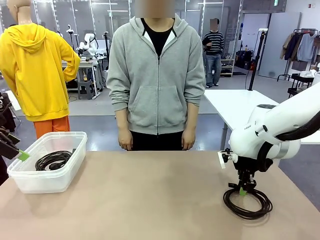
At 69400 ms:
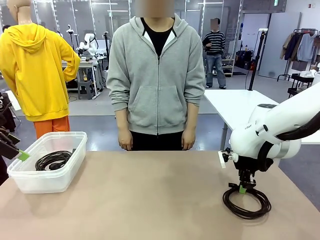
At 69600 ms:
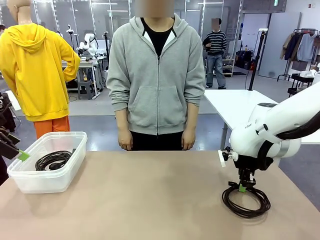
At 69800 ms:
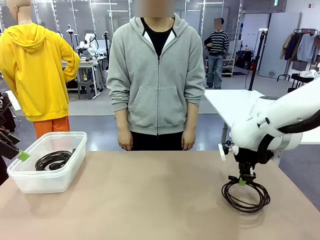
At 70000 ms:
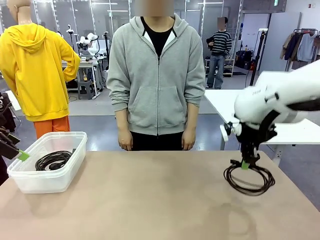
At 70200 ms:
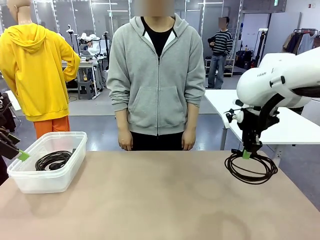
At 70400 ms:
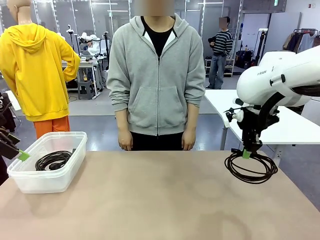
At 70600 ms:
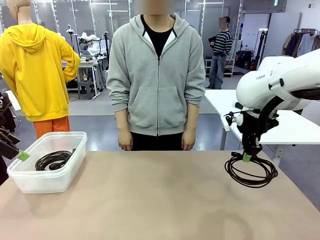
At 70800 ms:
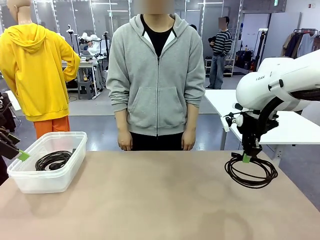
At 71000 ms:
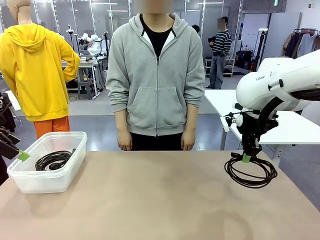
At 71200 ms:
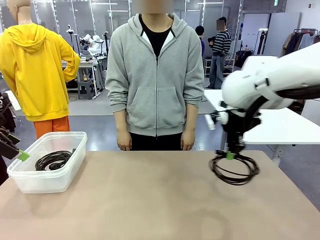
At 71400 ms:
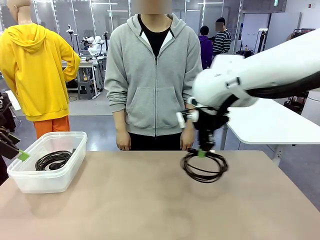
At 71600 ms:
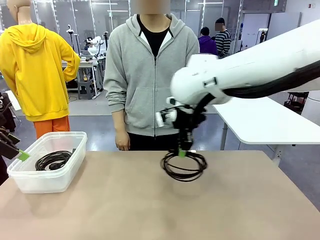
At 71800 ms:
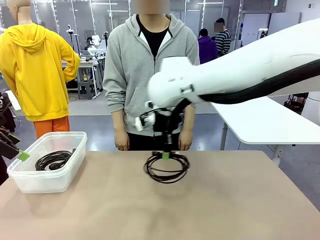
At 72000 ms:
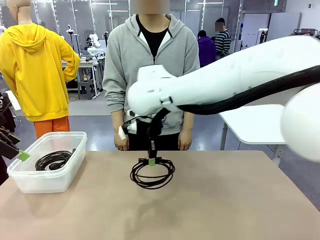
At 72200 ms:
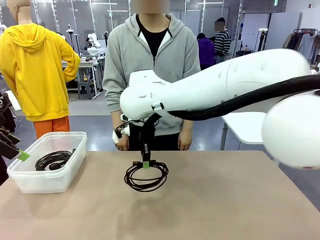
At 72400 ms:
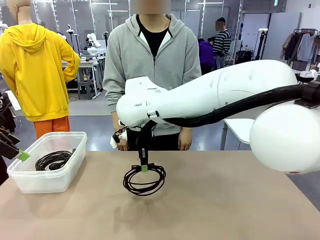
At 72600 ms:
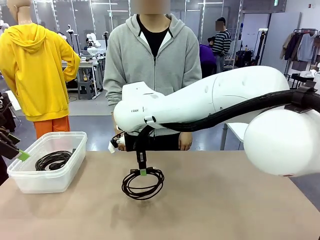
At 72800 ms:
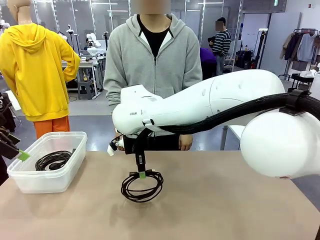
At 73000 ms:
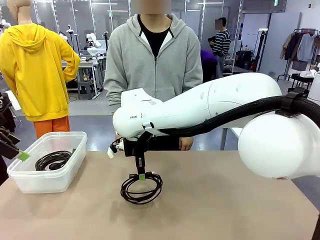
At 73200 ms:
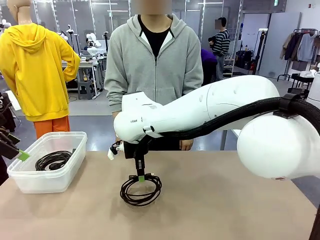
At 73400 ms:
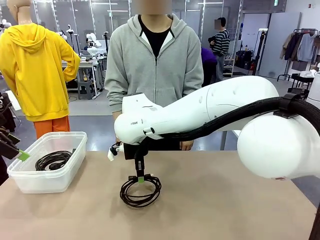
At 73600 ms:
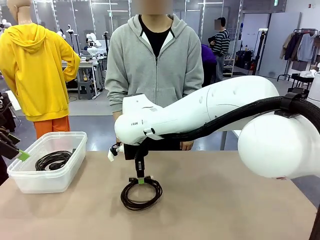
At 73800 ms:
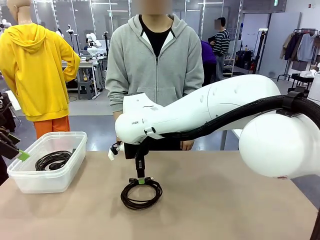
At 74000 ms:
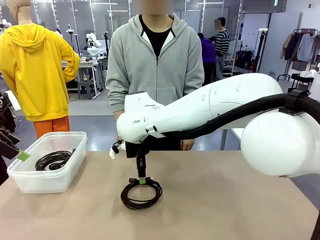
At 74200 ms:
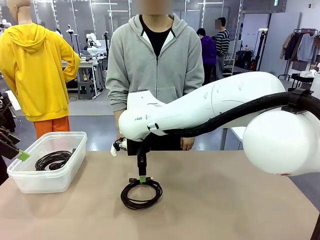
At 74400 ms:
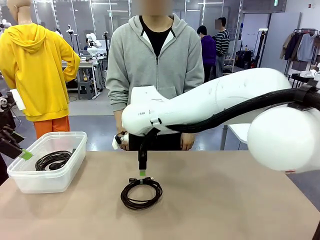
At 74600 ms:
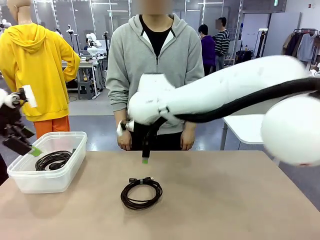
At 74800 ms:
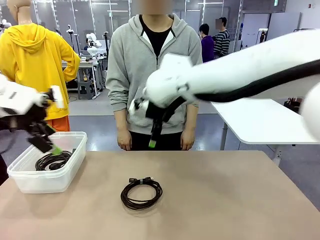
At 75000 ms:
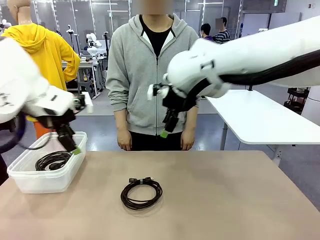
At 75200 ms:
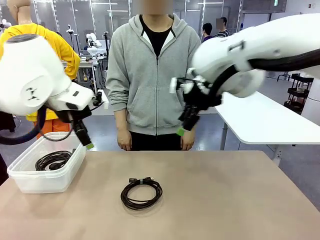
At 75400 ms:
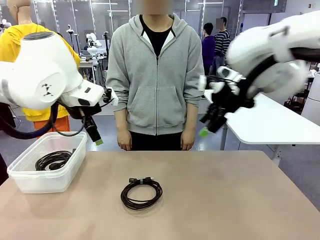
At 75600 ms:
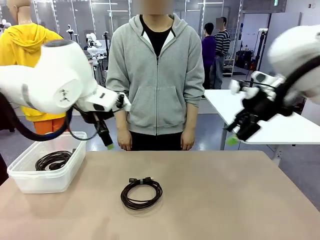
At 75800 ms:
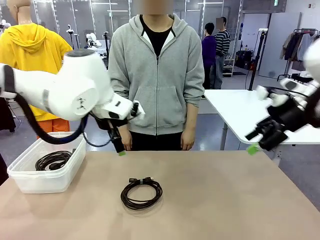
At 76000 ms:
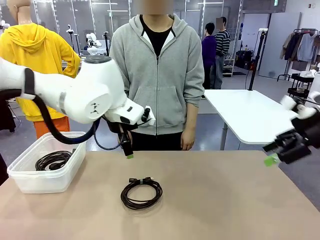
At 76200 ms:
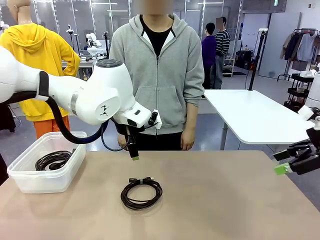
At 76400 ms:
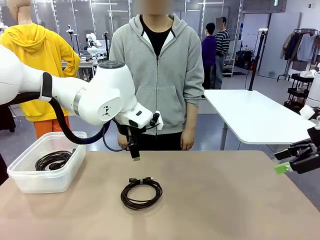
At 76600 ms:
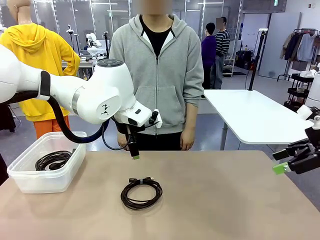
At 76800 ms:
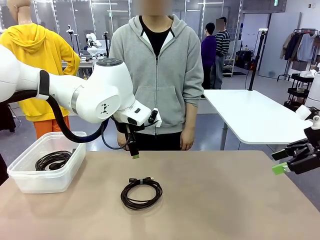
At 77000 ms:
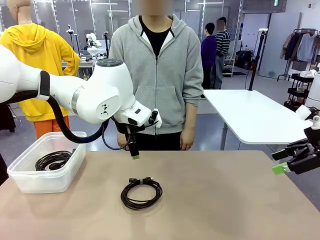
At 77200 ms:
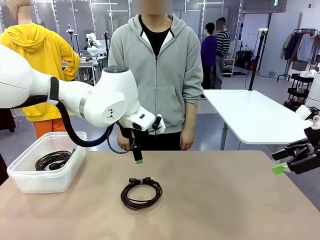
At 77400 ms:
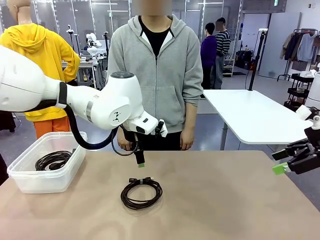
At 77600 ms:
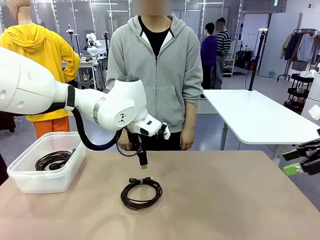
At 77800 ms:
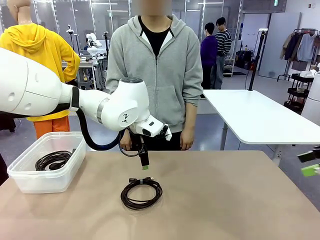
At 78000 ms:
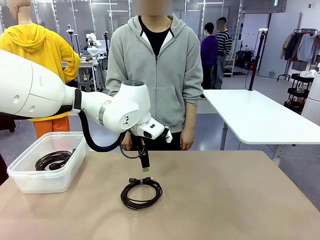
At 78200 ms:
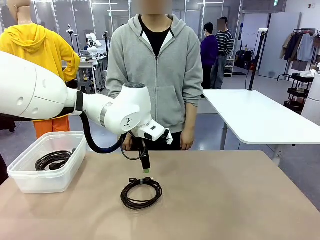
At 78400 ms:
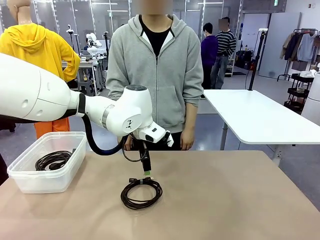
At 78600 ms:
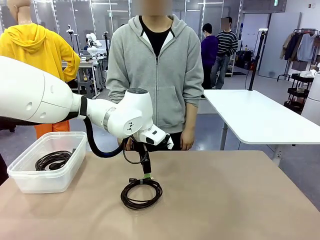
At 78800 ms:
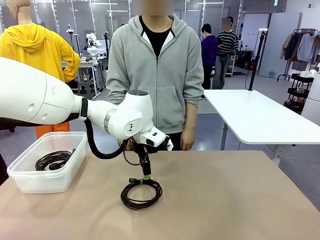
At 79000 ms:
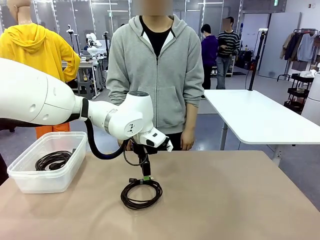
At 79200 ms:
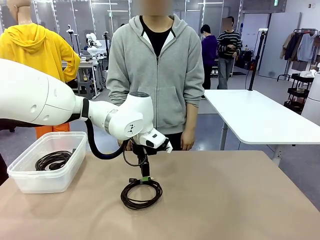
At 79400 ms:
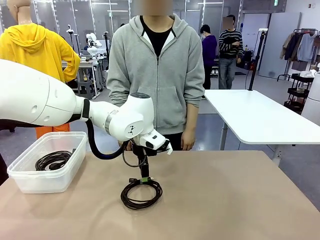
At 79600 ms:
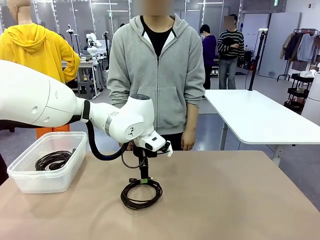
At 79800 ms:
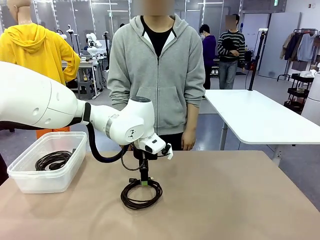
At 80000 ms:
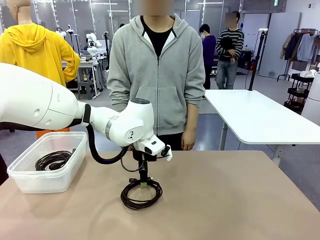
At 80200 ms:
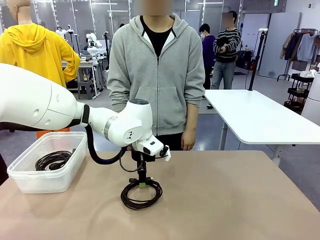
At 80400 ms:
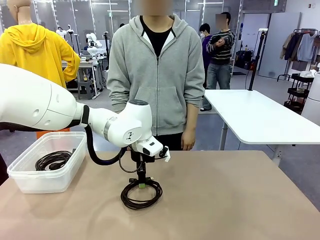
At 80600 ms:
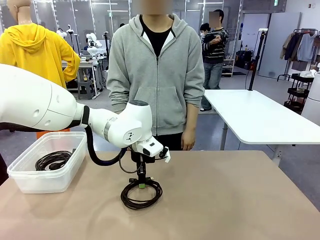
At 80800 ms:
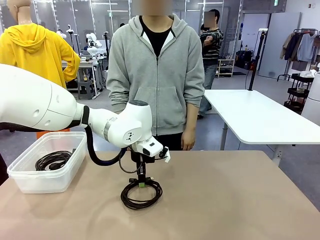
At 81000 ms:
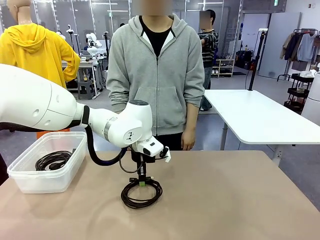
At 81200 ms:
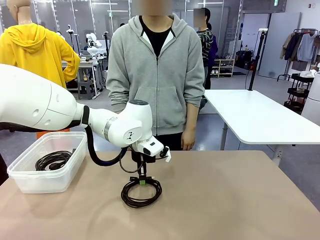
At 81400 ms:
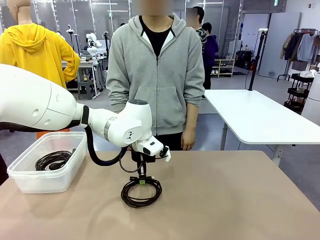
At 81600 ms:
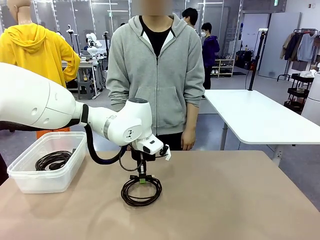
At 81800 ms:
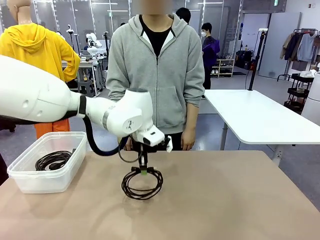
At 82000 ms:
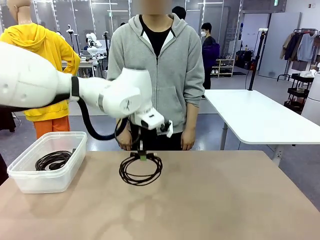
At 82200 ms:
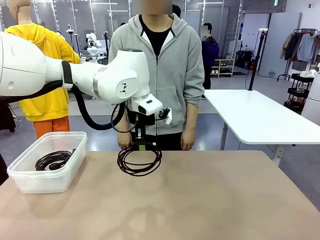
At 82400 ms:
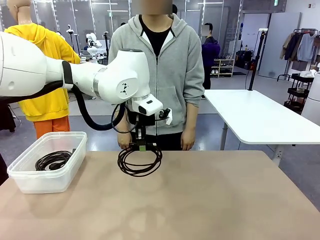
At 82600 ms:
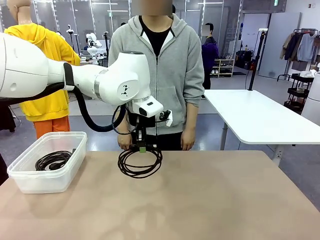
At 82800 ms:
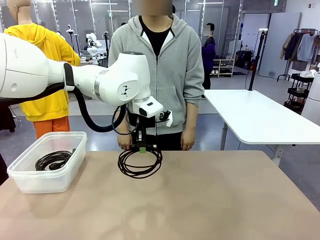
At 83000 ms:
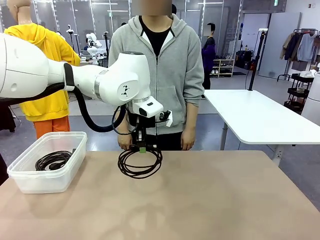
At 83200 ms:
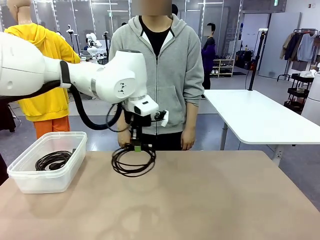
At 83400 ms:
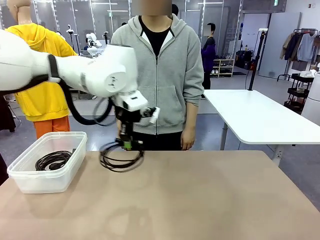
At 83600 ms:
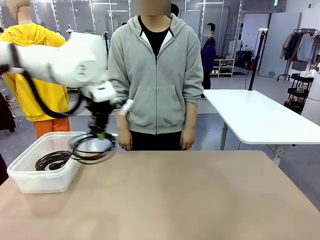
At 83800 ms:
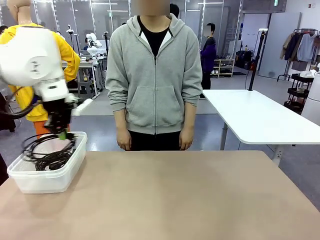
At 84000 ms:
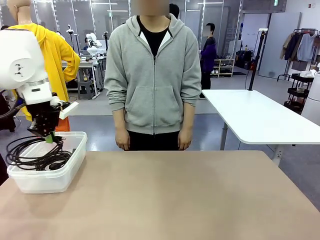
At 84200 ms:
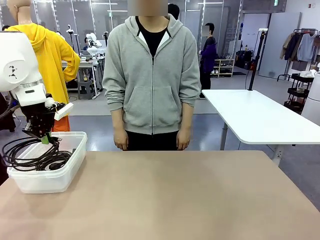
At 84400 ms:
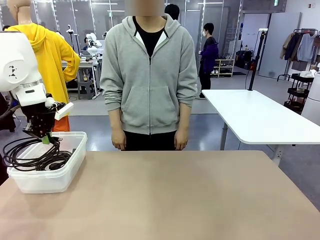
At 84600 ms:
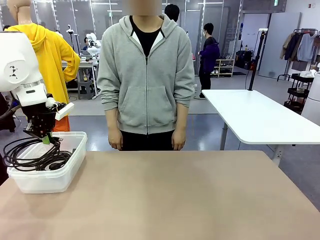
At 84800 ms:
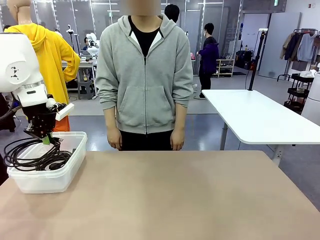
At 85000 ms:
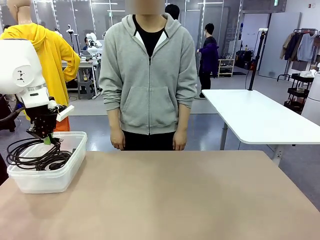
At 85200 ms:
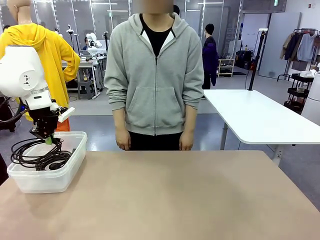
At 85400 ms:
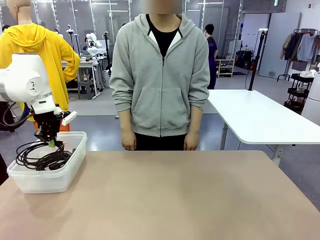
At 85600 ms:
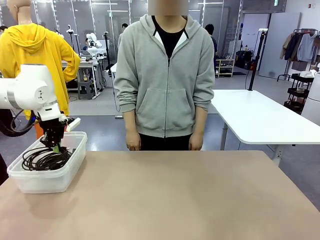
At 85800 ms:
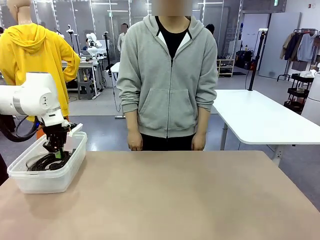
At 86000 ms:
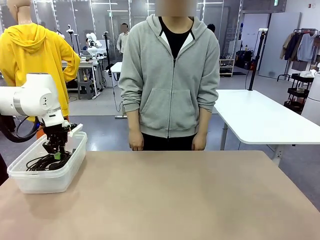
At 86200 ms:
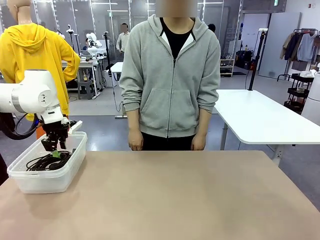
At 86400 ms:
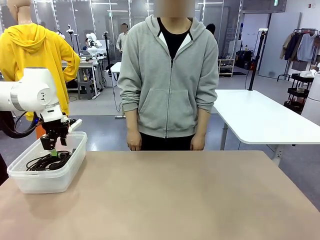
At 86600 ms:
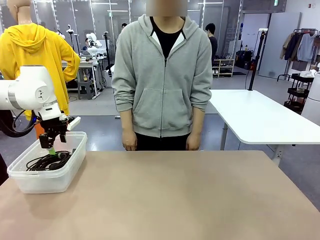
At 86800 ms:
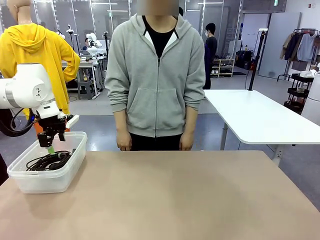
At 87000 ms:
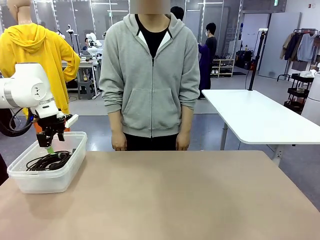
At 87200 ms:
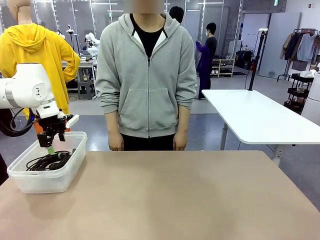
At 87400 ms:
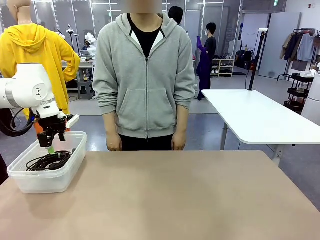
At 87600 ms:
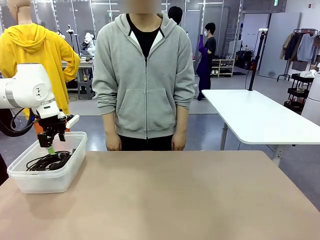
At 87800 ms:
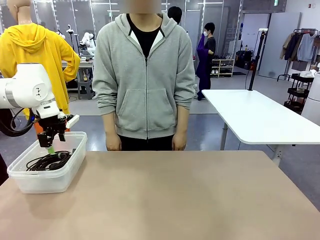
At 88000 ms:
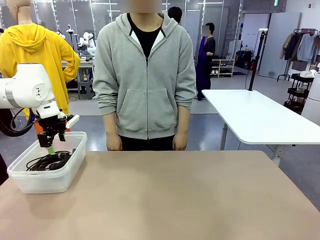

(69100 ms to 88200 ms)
Task: Organize and store the cables.
Robot: Place the USB Extension Cable into the Organizing box.
